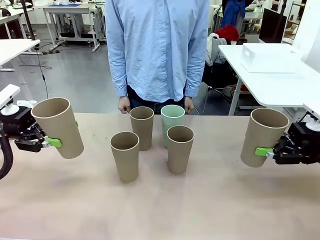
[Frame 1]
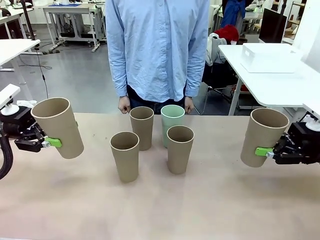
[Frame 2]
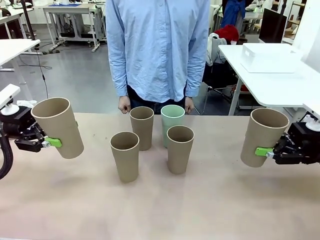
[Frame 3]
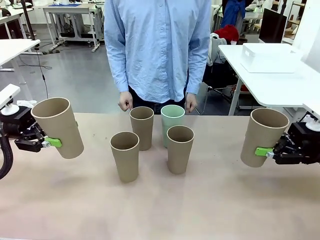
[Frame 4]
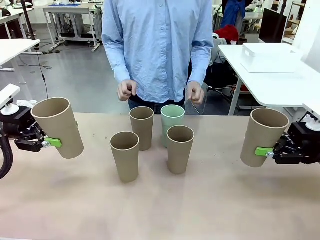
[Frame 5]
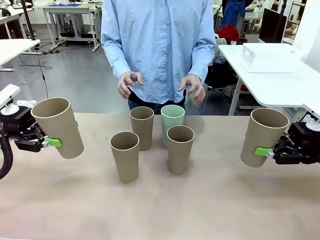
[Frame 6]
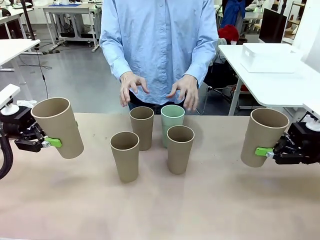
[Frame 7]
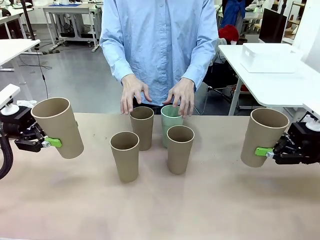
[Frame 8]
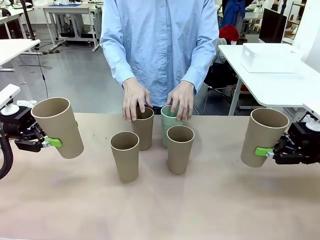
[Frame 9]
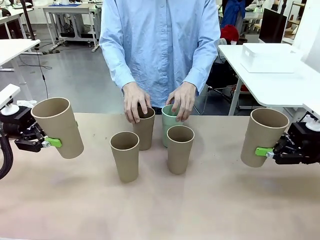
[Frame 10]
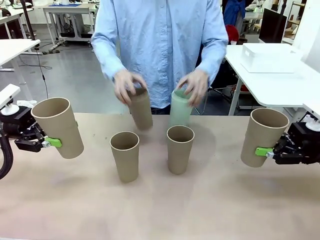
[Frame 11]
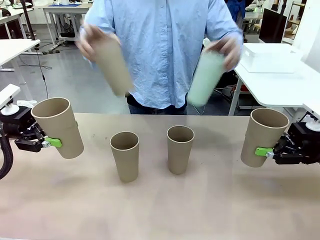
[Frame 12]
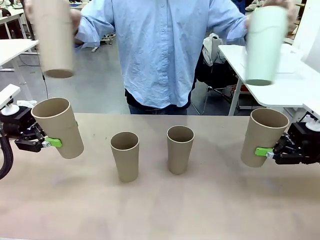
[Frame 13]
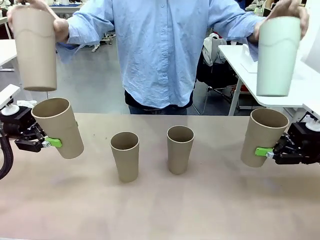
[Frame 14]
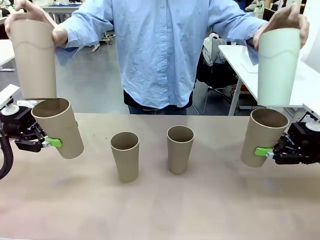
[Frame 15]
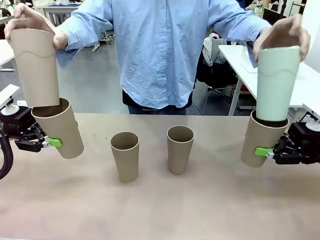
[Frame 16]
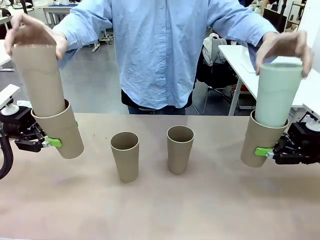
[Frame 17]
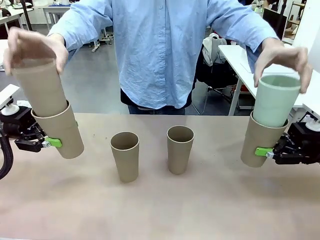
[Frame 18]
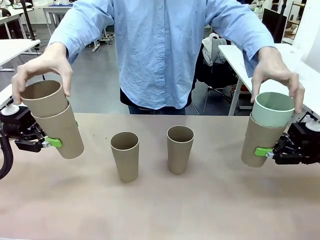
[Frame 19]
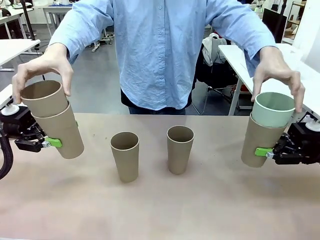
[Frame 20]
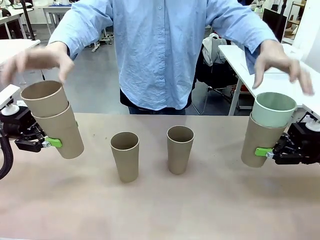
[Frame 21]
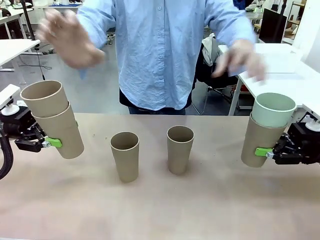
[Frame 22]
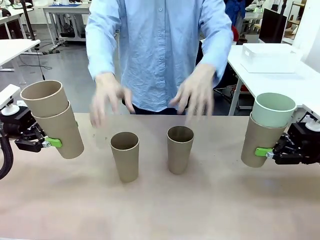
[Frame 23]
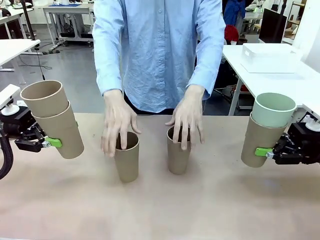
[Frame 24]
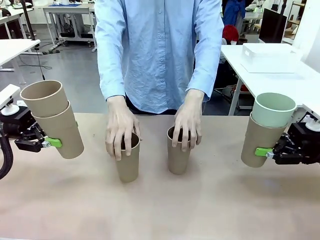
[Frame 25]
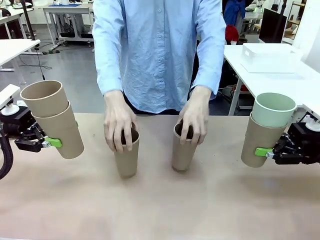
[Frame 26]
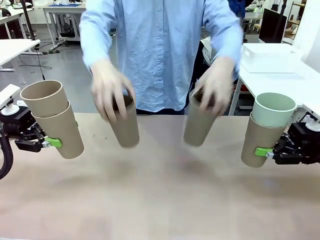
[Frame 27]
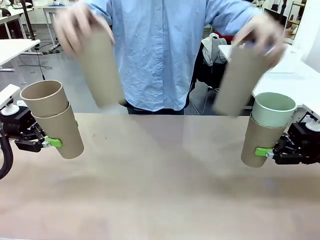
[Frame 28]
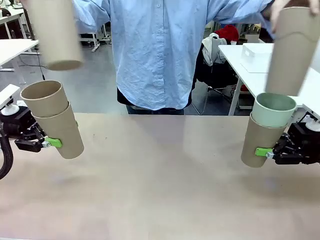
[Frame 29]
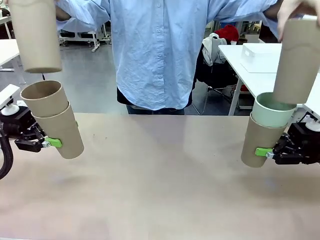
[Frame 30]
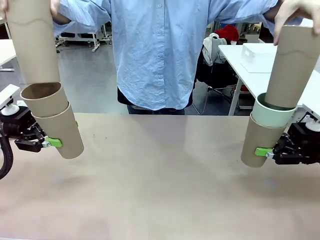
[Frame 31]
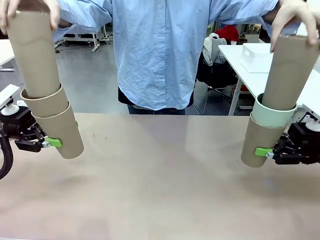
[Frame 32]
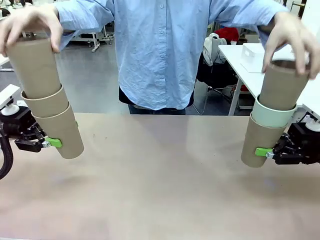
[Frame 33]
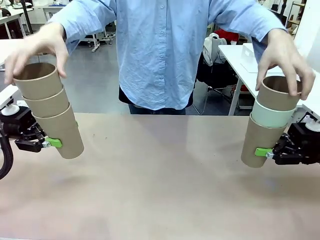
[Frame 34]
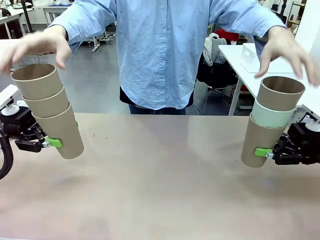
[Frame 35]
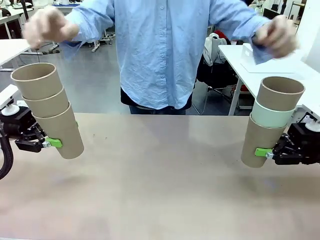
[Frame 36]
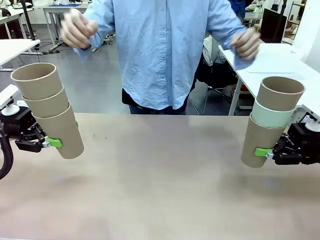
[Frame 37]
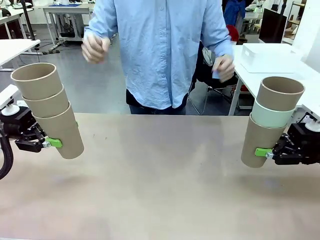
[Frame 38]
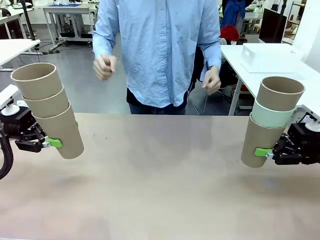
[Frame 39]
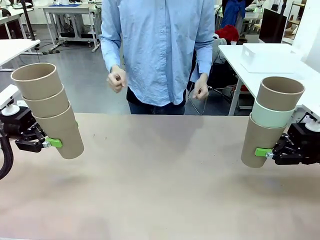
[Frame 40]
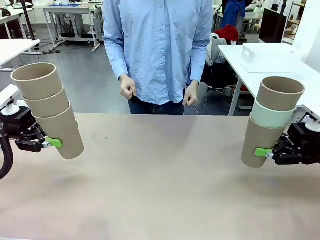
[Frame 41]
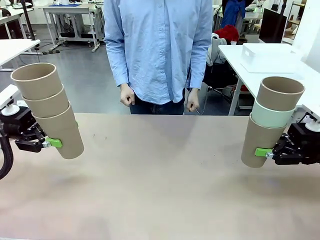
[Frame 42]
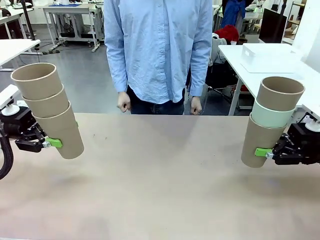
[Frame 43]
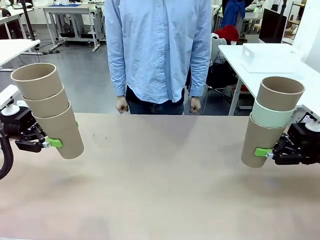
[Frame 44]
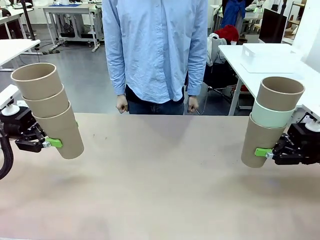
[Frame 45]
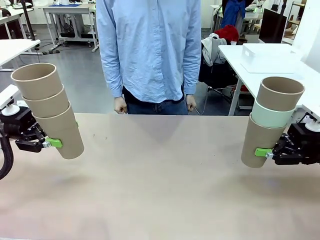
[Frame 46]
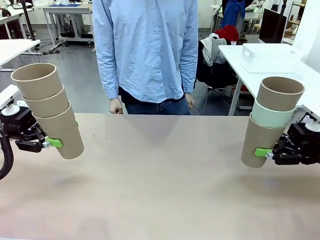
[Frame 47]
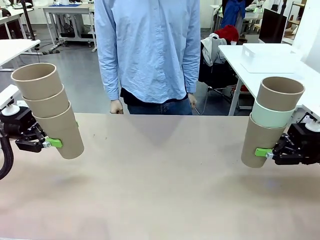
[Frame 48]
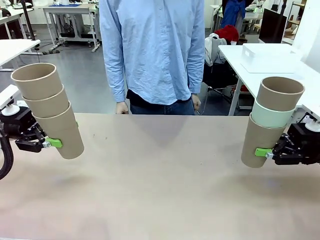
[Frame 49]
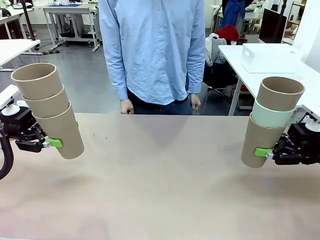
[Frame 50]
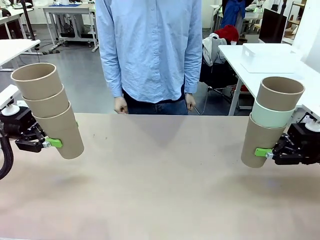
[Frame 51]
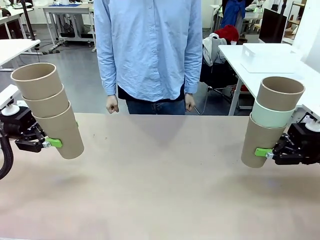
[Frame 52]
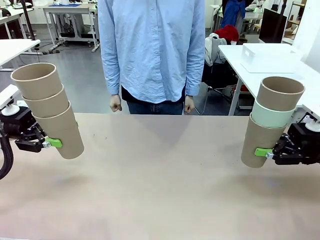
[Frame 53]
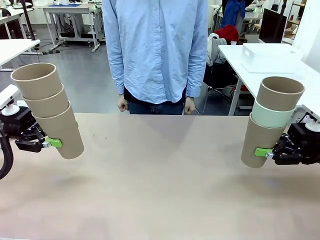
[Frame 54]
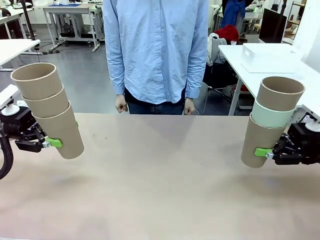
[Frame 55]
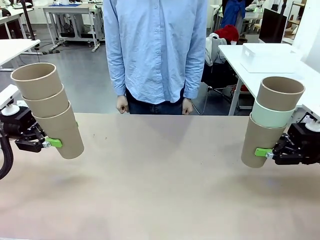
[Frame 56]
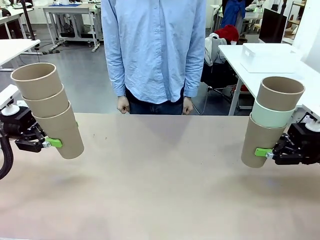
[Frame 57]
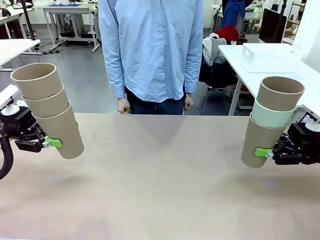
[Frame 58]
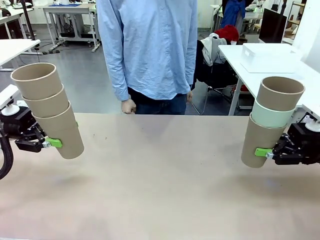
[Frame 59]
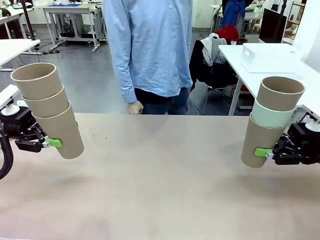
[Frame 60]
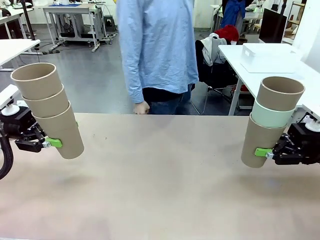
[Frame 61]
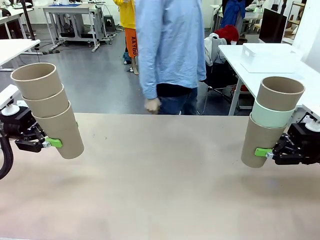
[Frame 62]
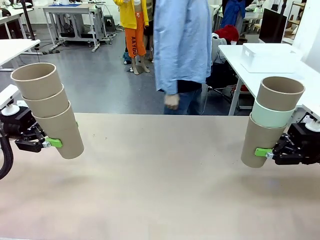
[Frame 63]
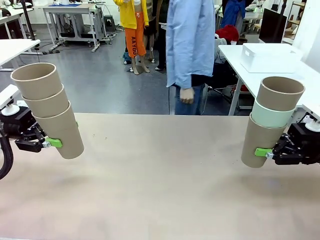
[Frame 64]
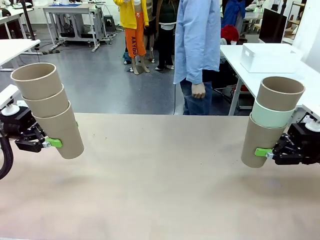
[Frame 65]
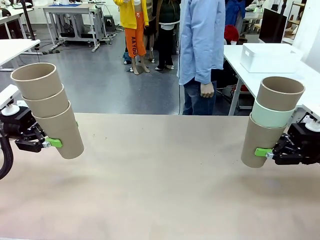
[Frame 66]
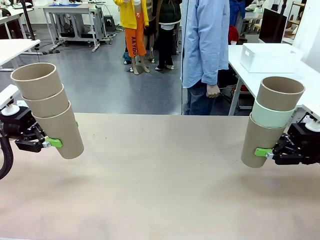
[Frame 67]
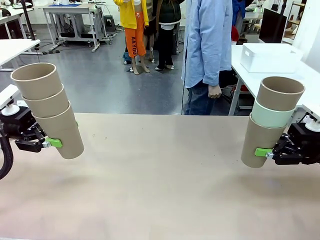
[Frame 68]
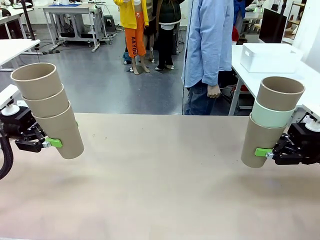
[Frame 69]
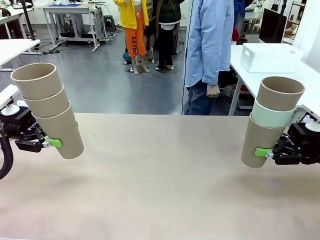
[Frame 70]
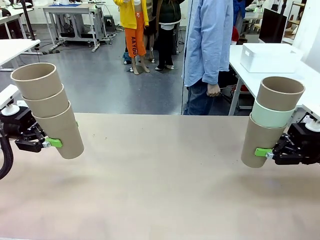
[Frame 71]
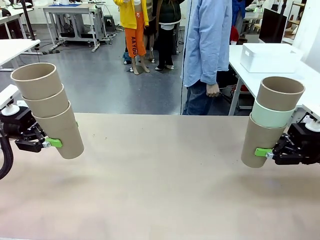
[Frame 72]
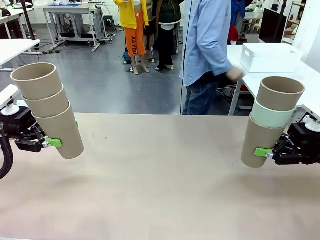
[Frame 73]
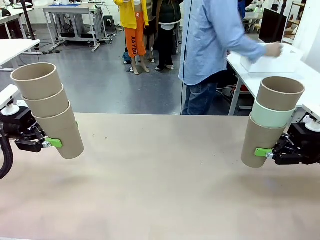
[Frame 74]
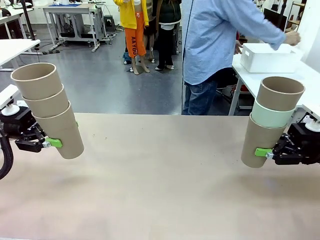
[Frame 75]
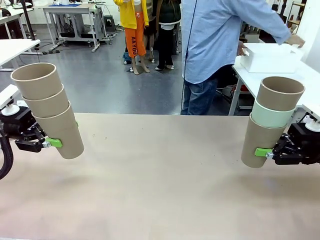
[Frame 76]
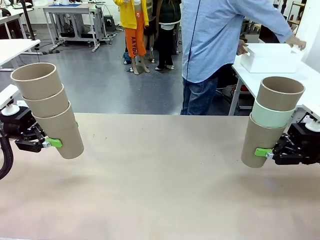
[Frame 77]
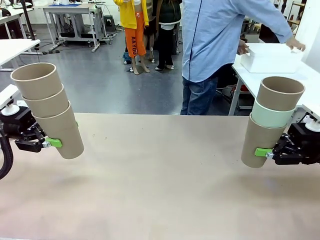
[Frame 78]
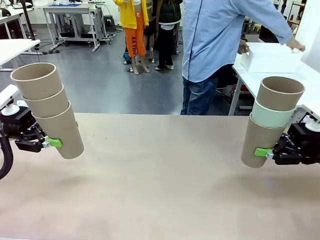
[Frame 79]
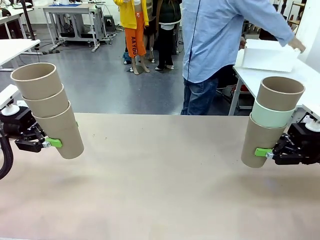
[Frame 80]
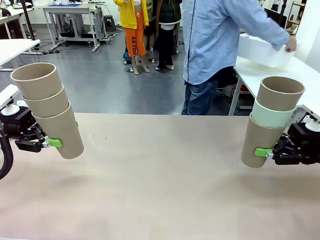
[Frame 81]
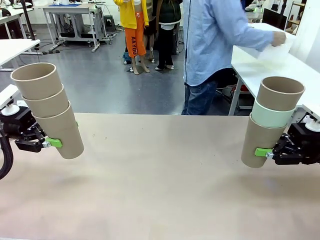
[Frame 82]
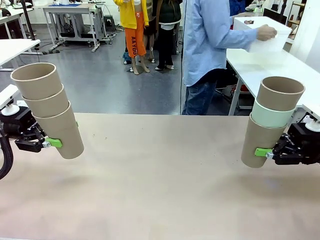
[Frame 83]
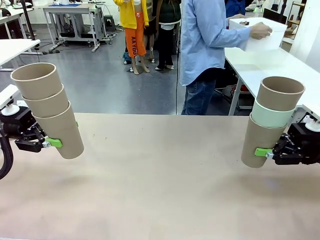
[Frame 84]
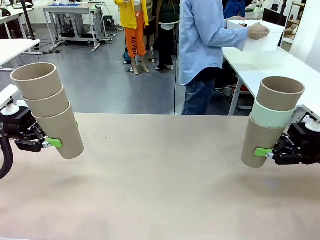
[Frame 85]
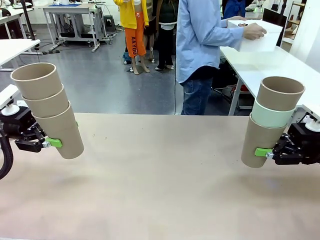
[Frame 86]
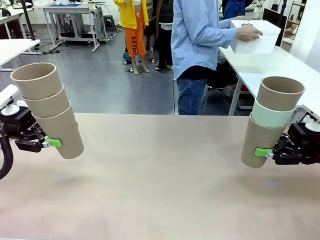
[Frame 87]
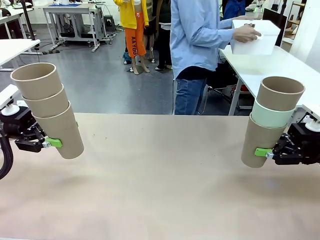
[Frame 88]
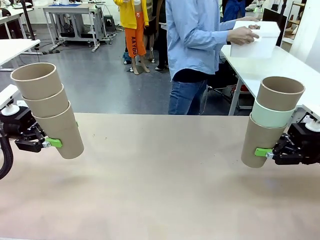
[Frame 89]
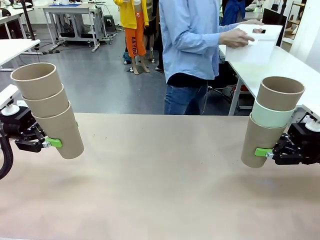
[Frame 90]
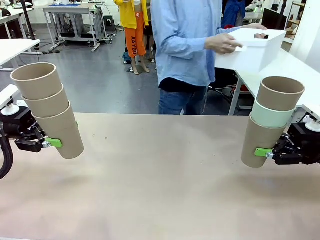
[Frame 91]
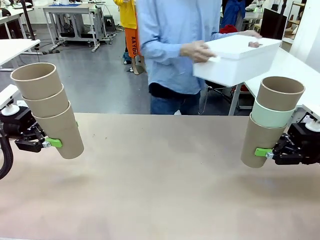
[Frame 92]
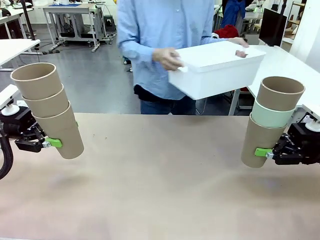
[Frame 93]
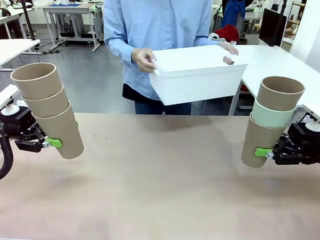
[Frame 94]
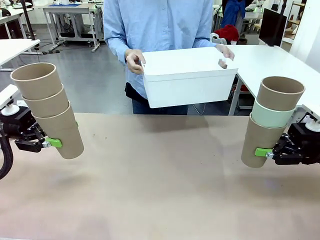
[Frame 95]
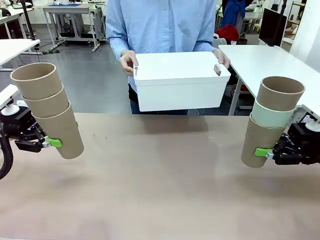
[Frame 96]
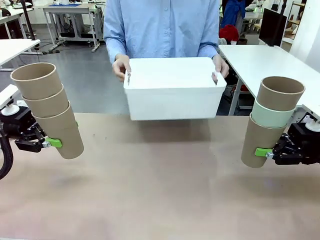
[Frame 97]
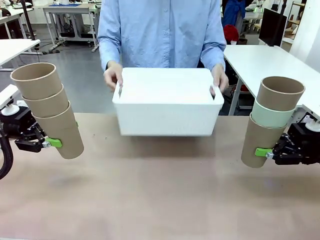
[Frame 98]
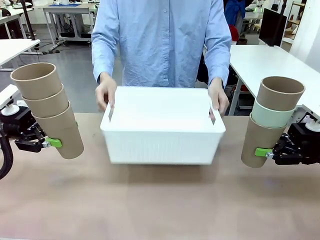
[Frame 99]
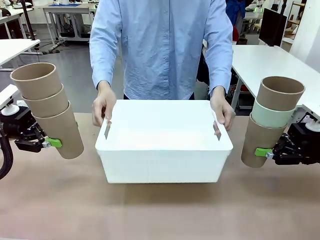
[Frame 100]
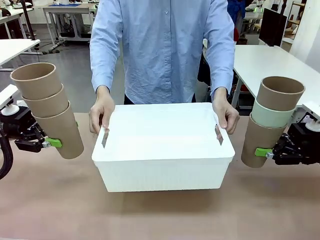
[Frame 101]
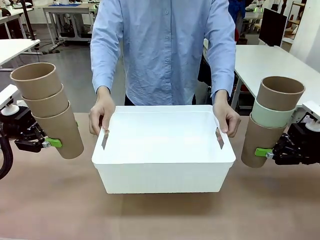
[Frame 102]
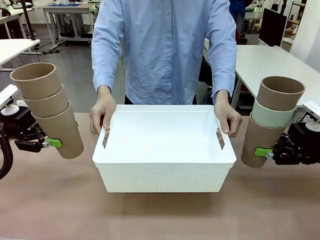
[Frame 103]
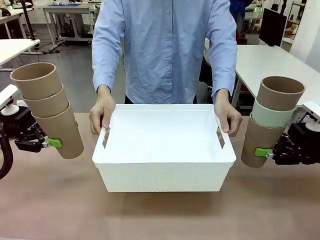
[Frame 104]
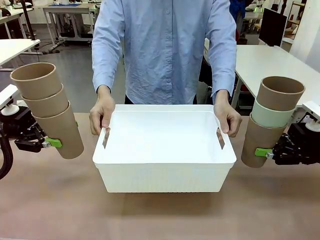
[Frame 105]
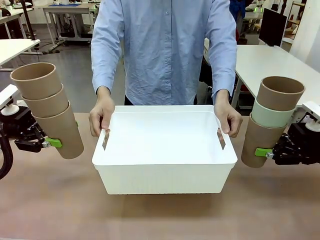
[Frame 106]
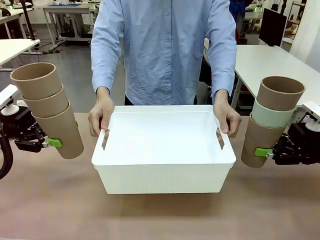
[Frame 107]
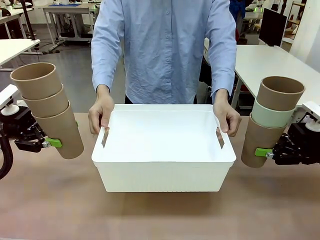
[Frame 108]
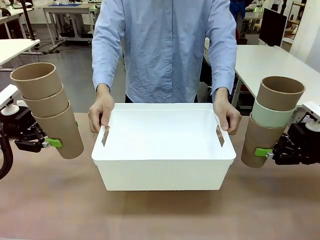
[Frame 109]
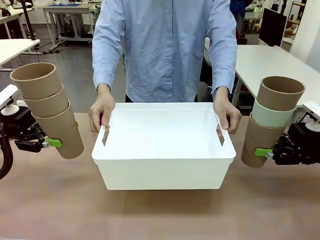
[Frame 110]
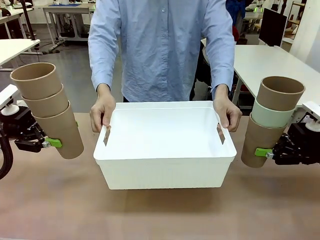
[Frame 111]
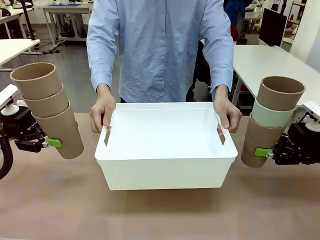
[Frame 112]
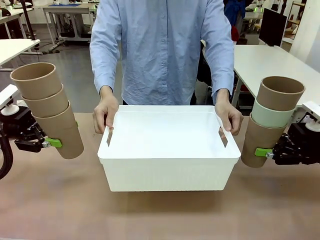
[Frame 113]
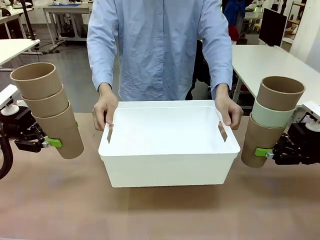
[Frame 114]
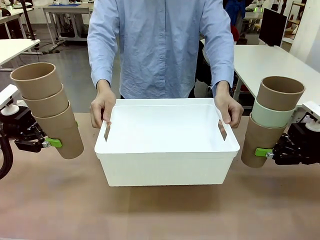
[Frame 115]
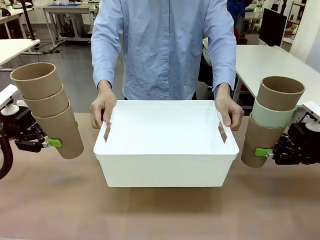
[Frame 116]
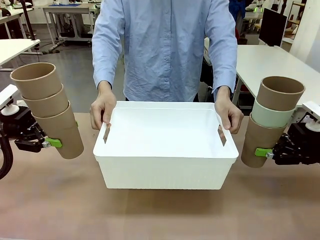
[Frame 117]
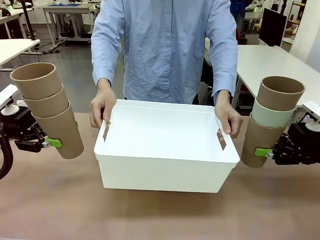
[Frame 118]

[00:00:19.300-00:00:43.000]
Task: Stack the cups and store them in the basket.
Robot: Place the stack of Reusable plastic cups into the Pantry Basket.
Person: Pick up the basket from the Human Table, bring it to the front of the robot, and present it.
